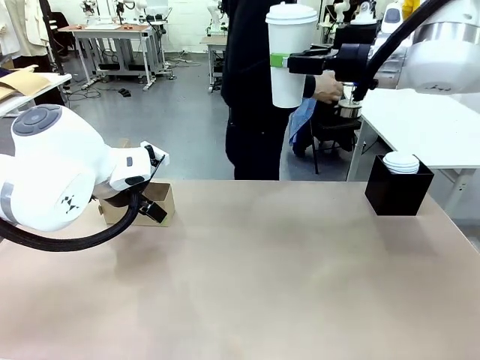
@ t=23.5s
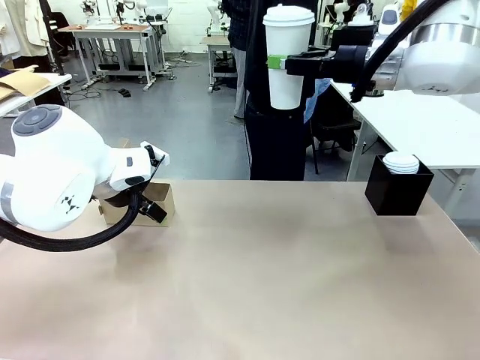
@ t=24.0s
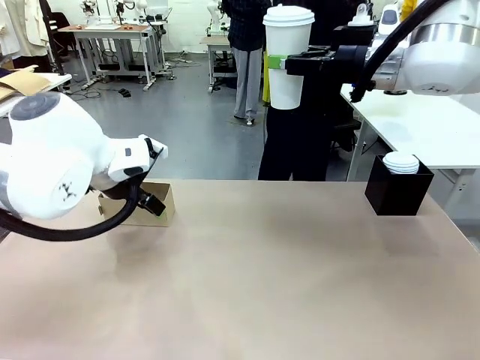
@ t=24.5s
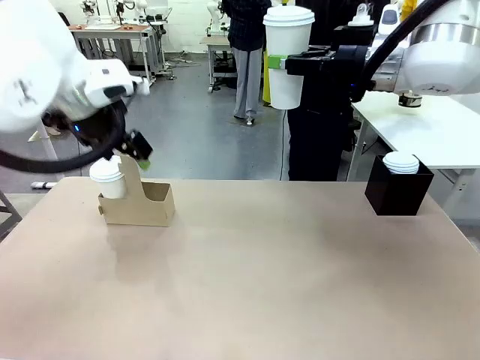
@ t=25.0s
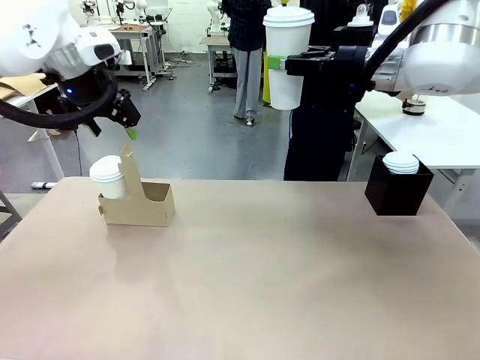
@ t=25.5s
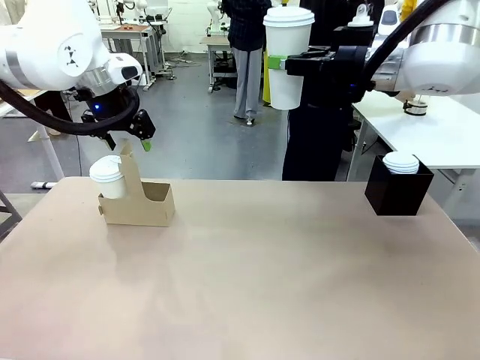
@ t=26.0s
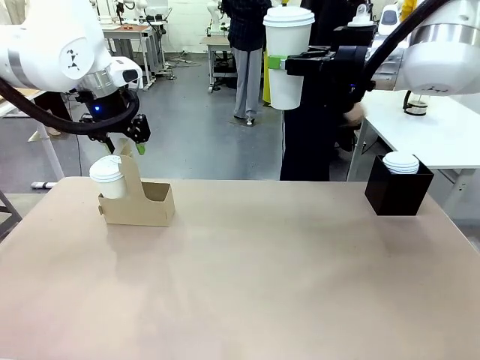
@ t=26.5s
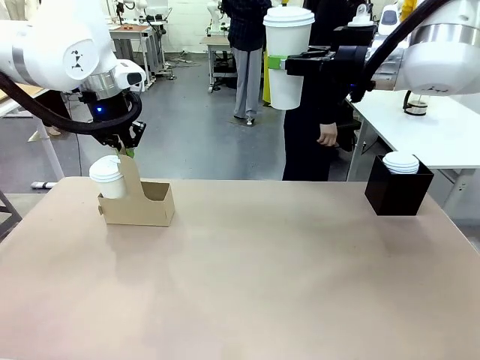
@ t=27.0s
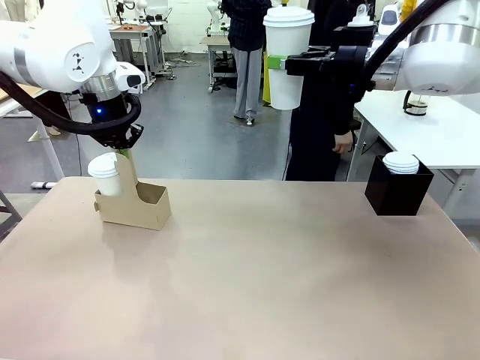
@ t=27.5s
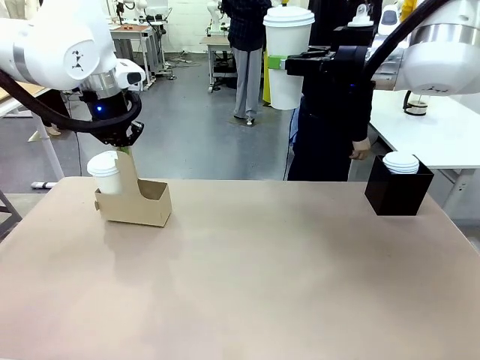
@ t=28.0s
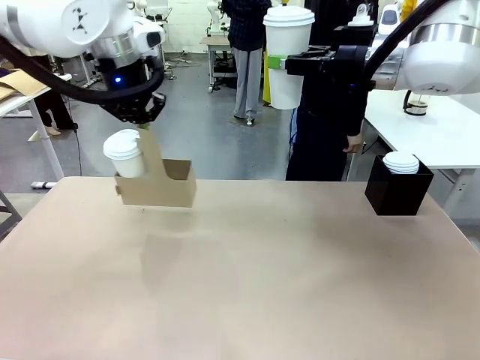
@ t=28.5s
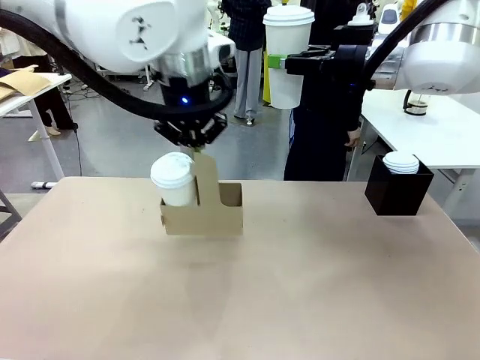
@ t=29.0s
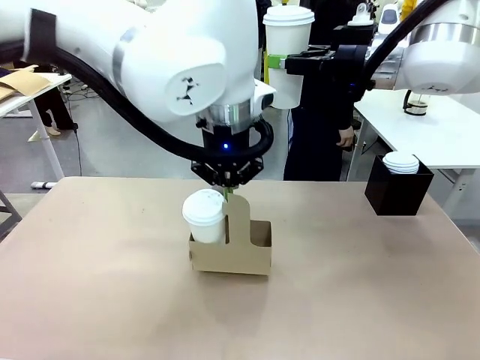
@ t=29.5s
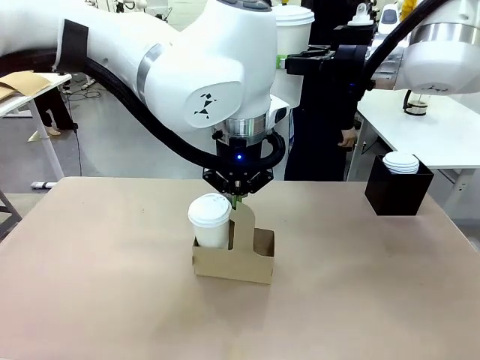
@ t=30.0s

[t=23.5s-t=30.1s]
Task: Pour a drink into a cup and package it in a carrier.
Robot: Position the Cup Carrier in the center of the table.
Person: Pick up the Filter Brewing and place on the middle of Human table, and return to the Robot table.

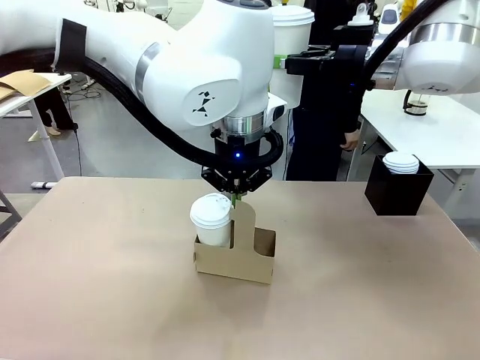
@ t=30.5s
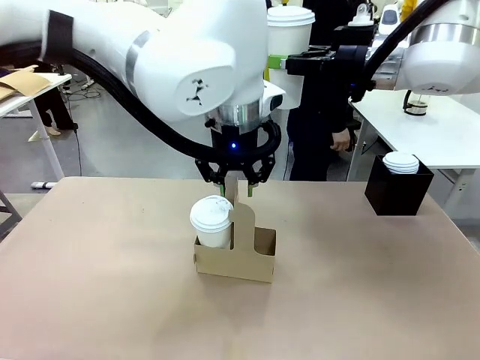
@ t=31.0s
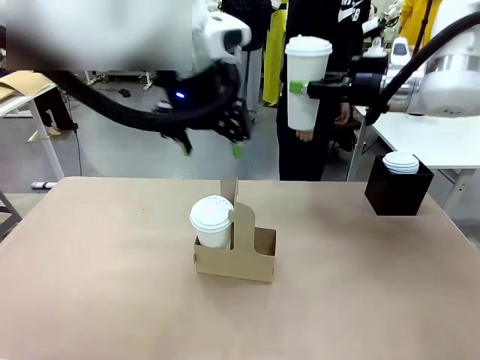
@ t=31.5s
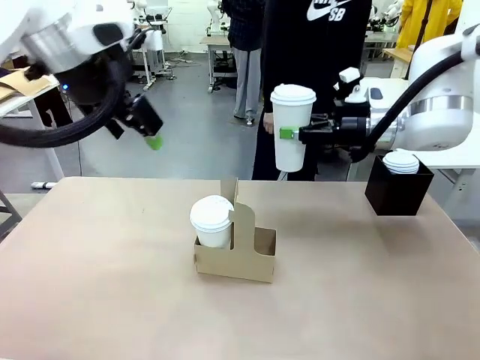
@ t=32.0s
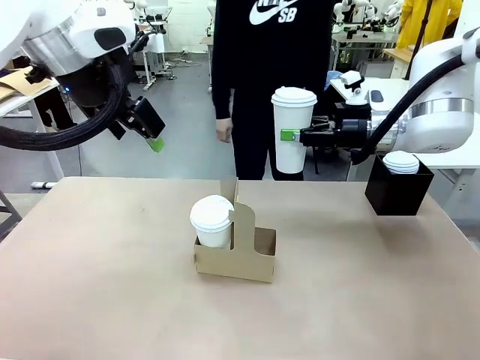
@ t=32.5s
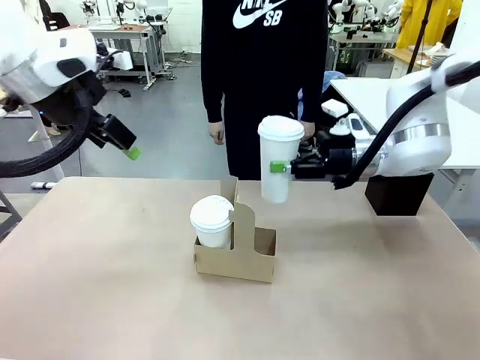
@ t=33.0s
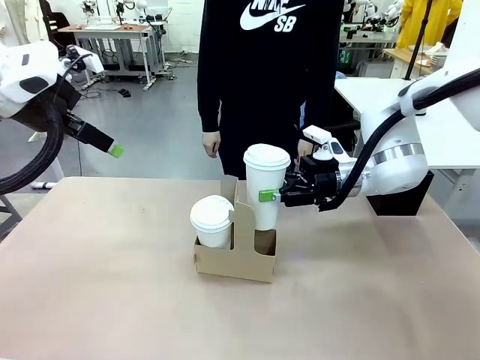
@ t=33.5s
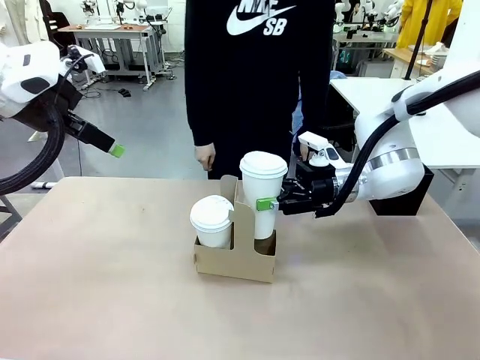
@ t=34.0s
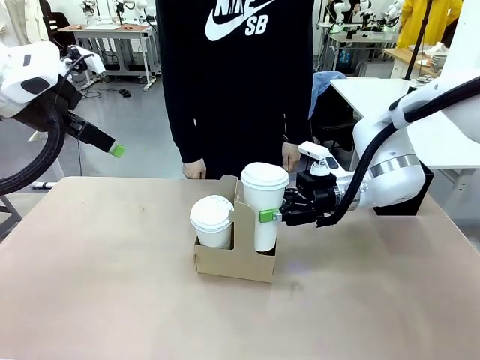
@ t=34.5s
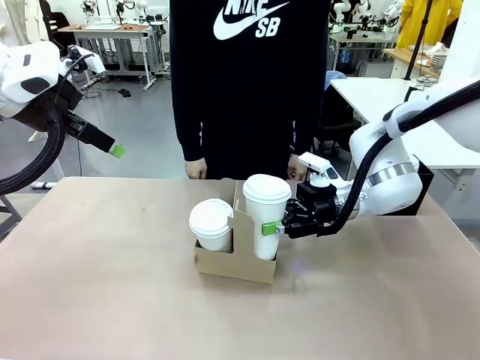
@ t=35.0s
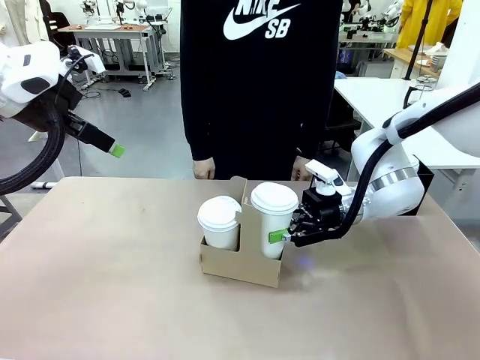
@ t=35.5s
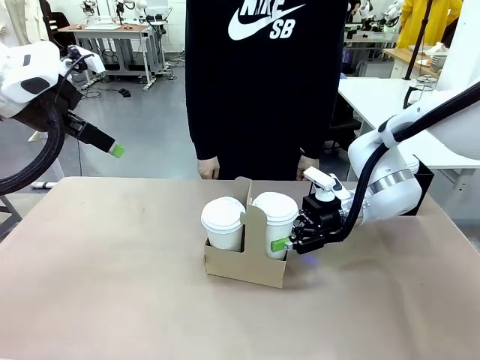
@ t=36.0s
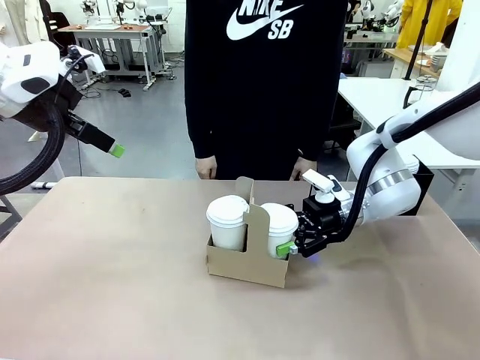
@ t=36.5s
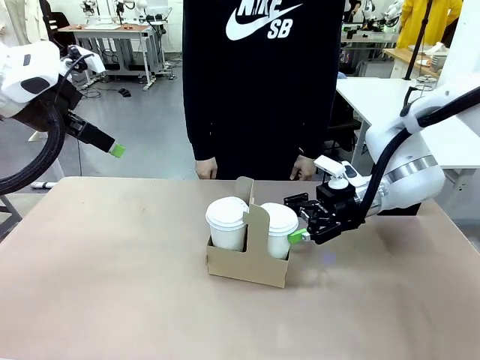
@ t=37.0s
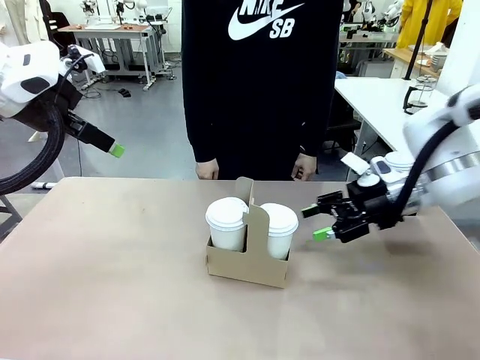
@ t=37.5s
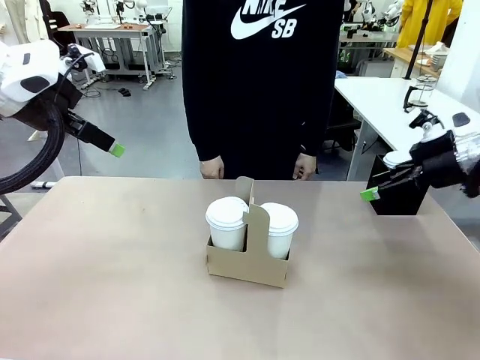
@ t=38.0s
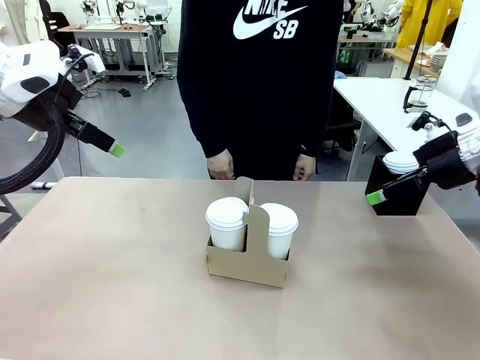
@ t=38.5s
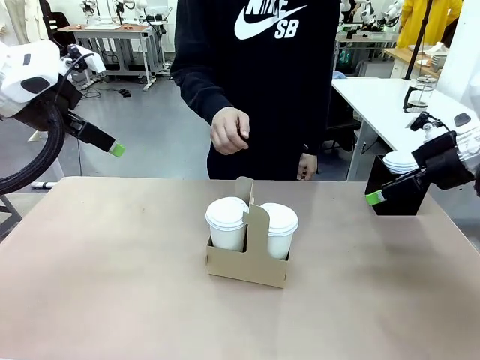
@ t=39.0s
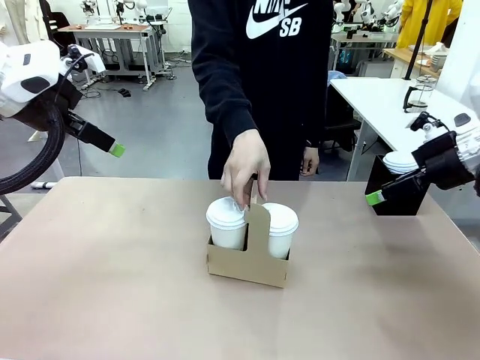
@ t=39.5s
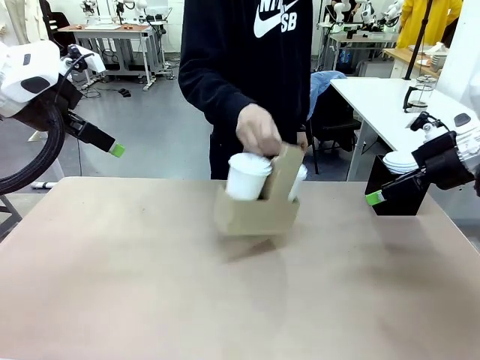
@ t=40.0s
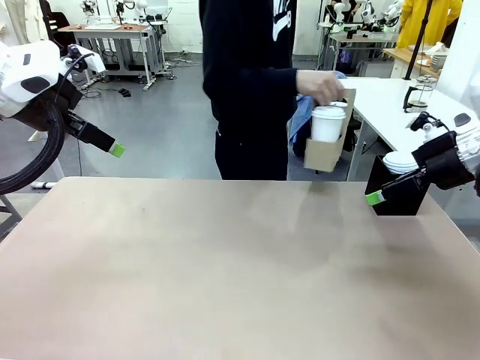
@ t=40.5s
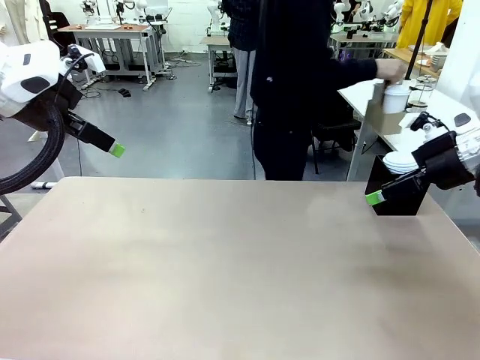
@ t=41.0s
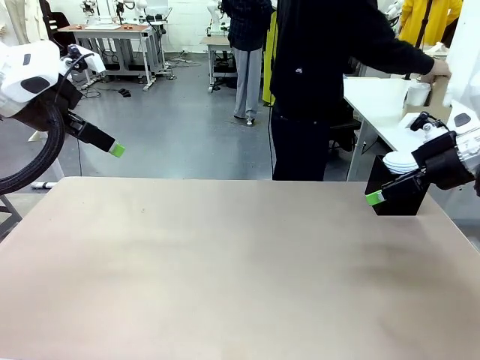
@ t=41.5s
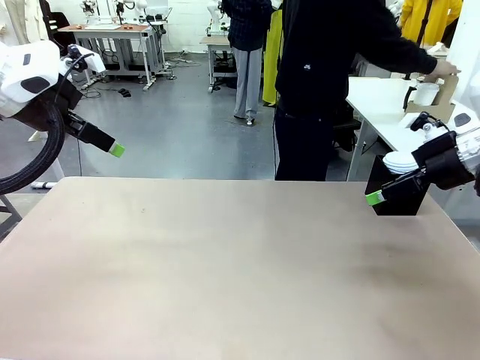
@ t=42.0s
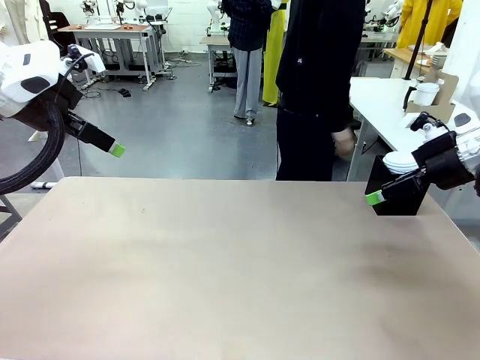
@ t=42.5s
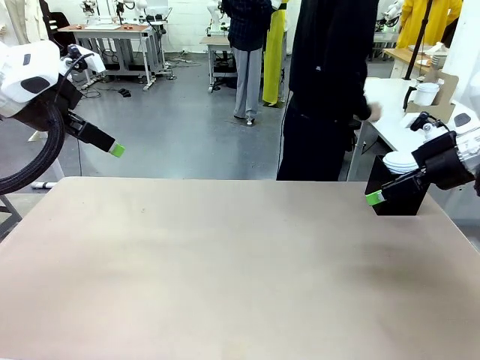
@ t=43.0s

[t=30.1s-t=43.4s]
Robot: Insert the held 600 ml Paper Cup into the Cup Carrier.
Person: Place the Cup Carrier to the middle of Human table.

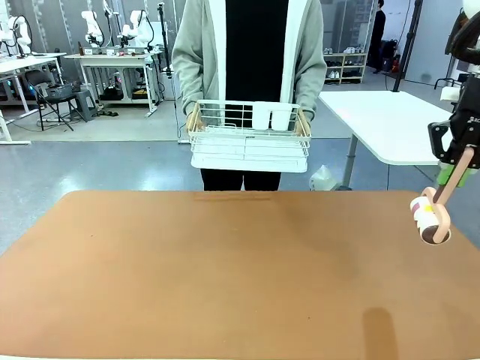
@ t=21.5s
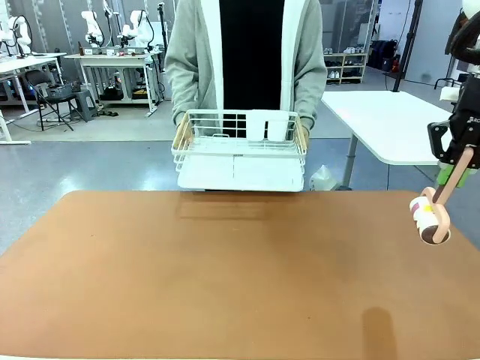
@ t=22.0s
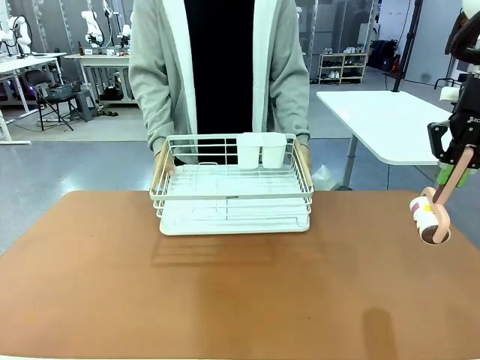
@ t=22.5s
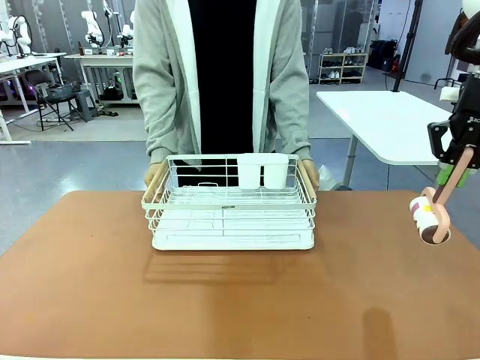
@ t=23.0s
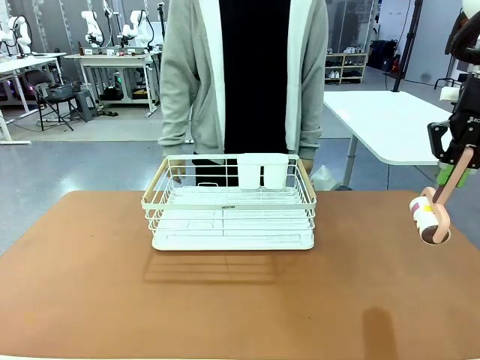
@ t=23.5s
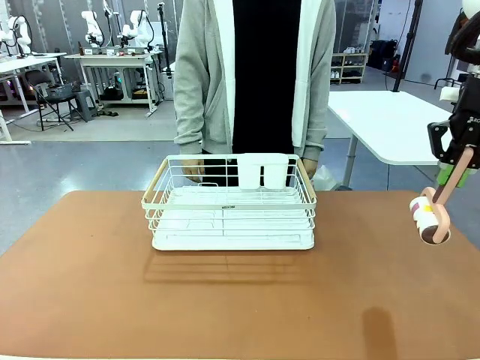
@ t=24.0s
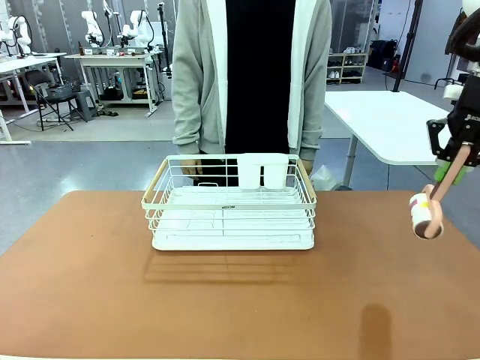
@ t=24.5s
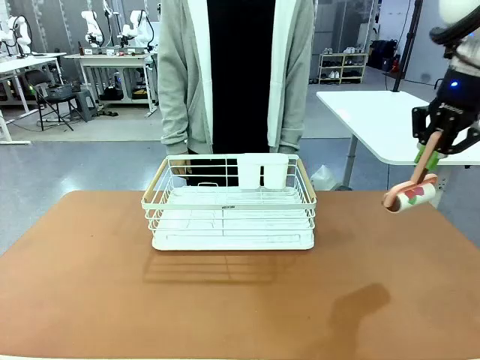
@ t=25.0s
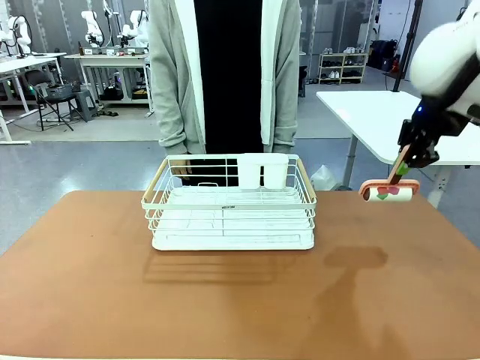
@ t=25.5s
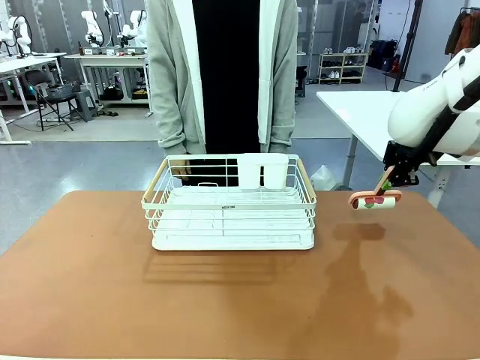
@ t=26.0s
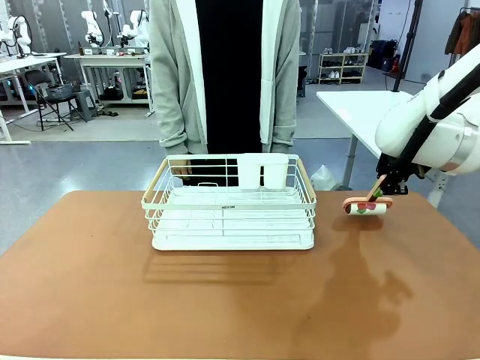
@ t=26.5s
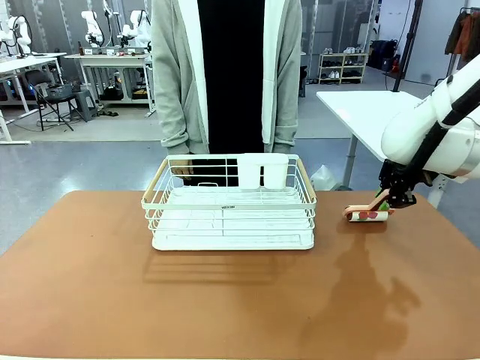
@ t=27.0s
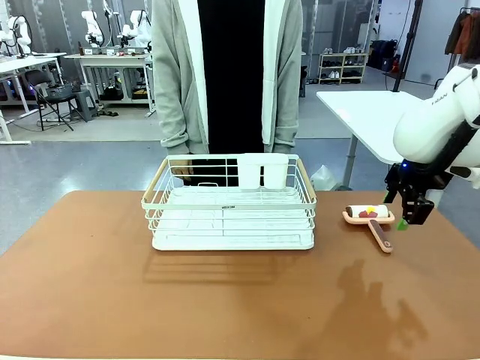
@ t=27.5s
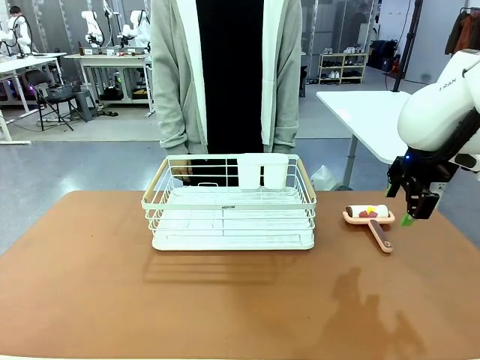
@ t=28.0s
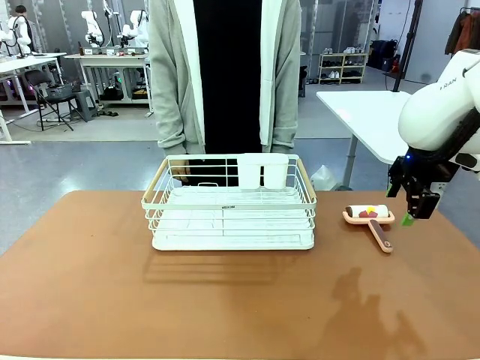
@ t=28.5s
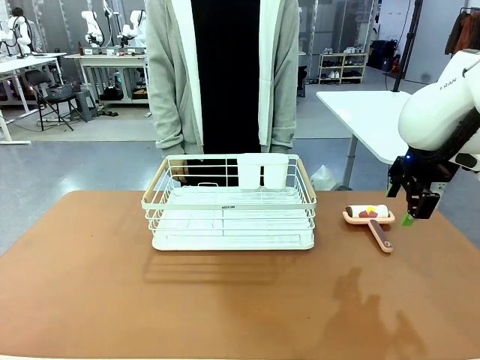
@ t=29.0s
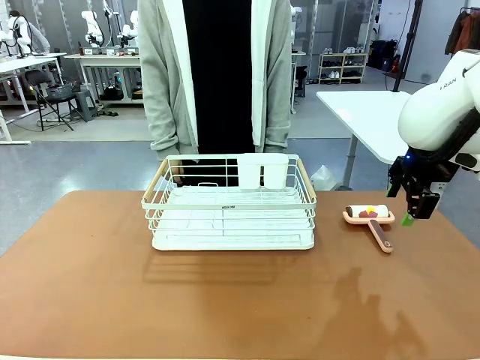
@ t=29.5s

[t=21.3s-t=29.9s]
Task: Clean the table.
Robot: Place the Lint Roller down when the Dish drying rack is positioned in the middle of the table.
